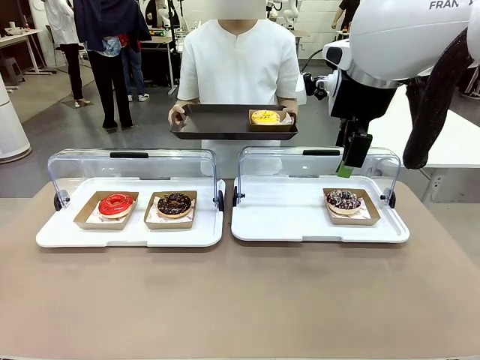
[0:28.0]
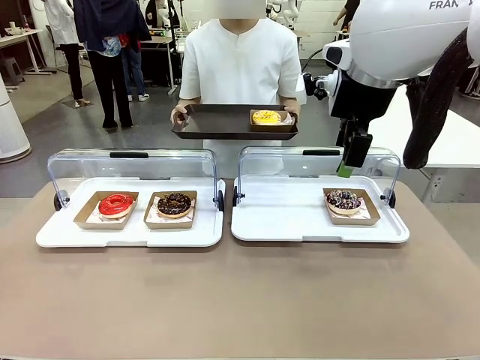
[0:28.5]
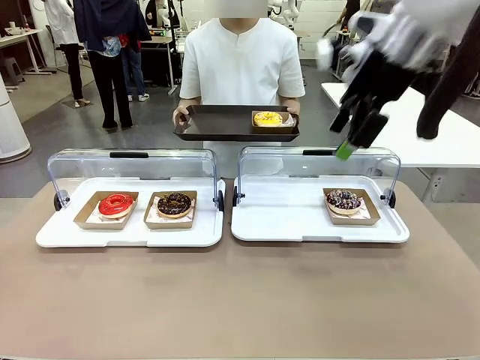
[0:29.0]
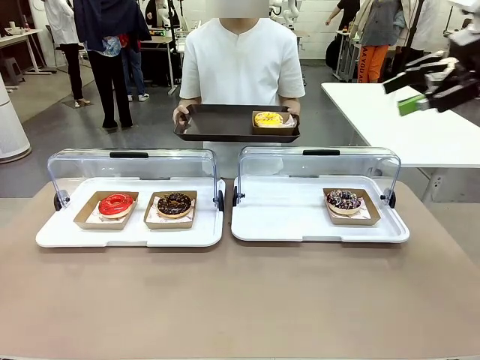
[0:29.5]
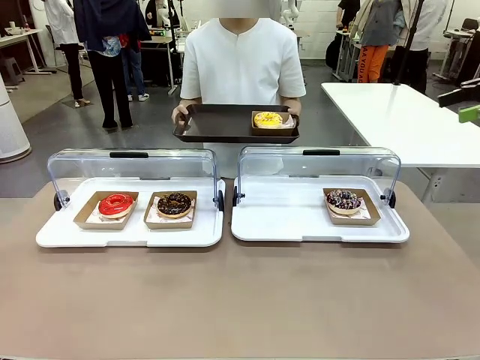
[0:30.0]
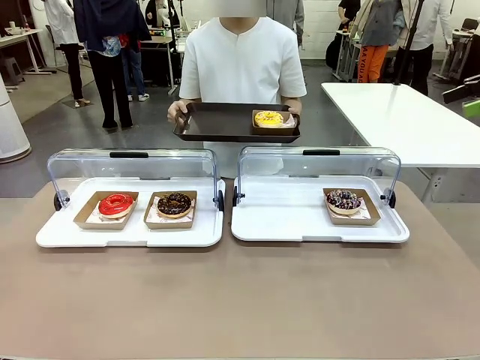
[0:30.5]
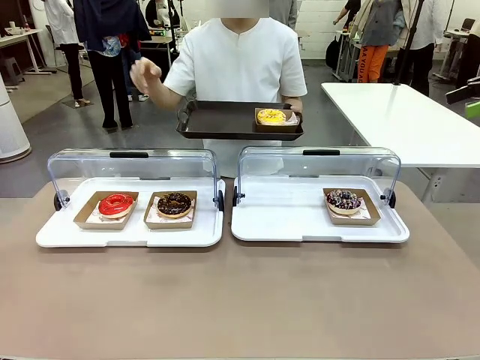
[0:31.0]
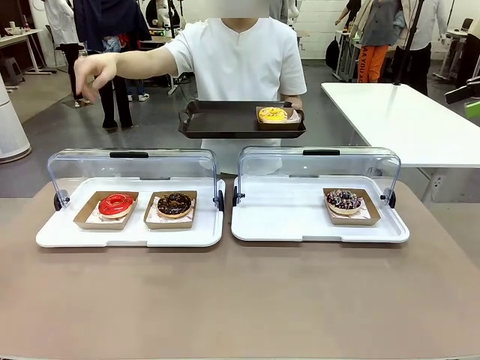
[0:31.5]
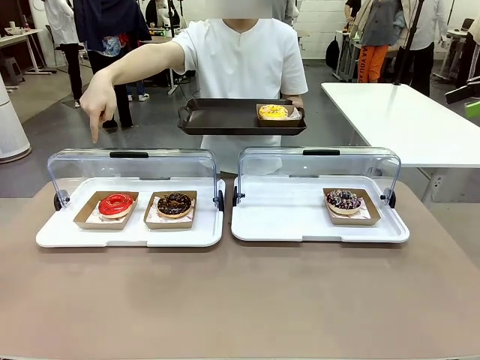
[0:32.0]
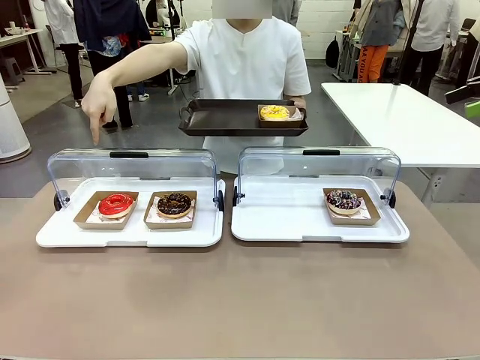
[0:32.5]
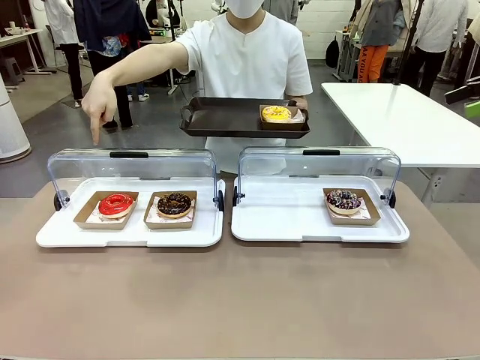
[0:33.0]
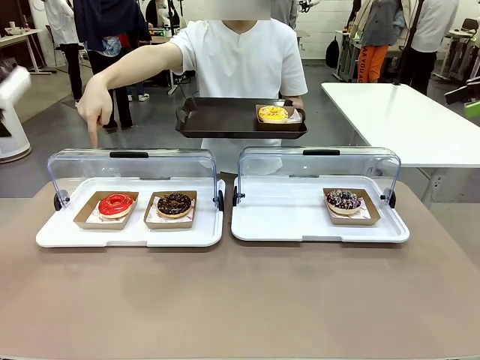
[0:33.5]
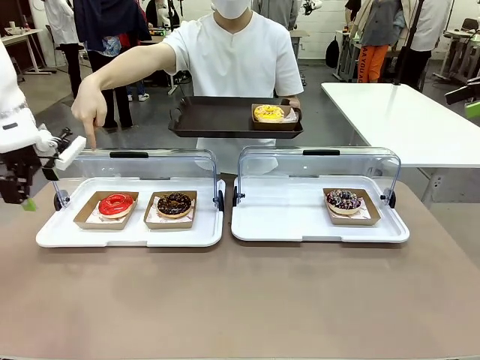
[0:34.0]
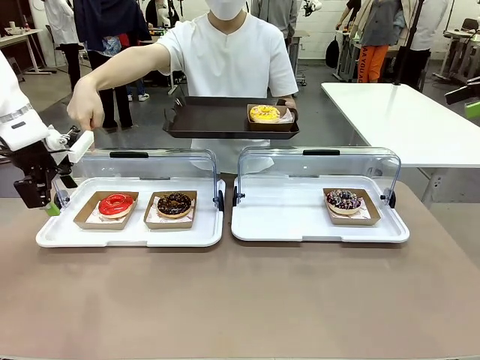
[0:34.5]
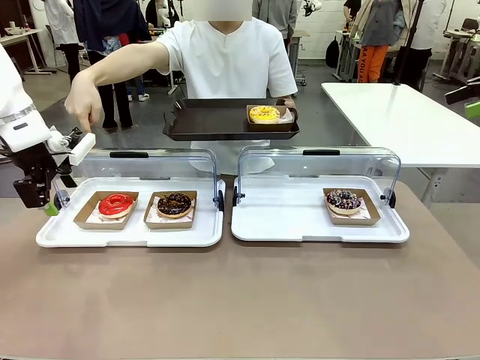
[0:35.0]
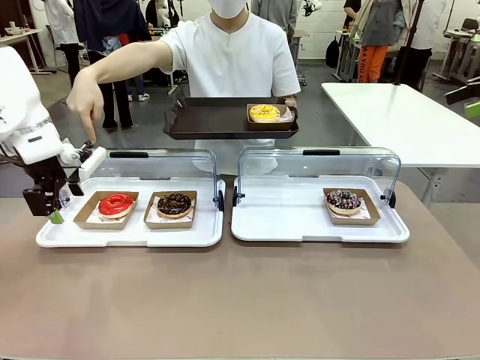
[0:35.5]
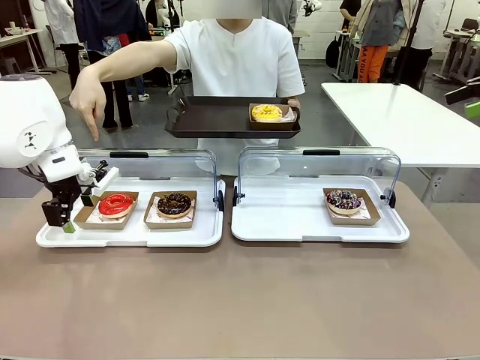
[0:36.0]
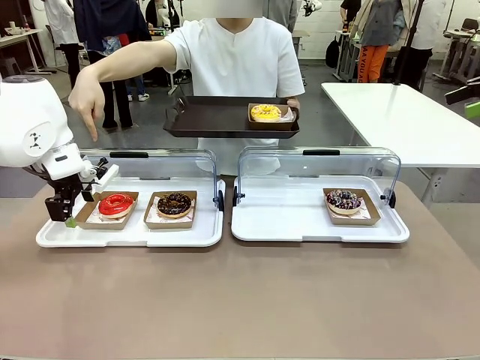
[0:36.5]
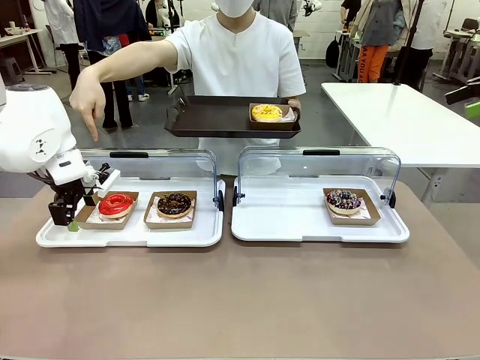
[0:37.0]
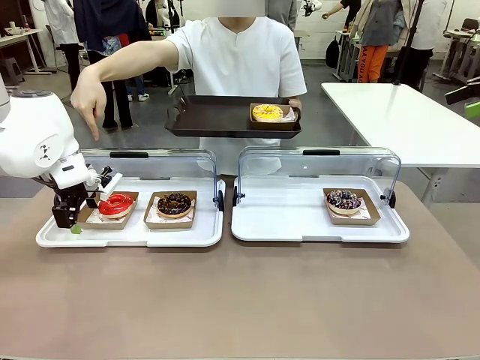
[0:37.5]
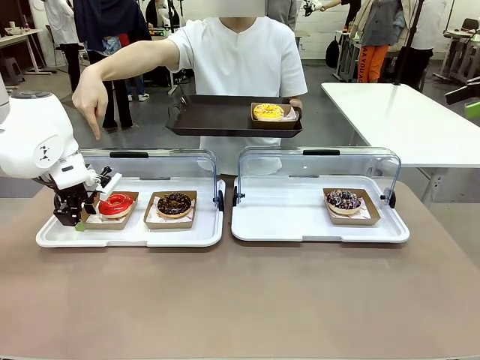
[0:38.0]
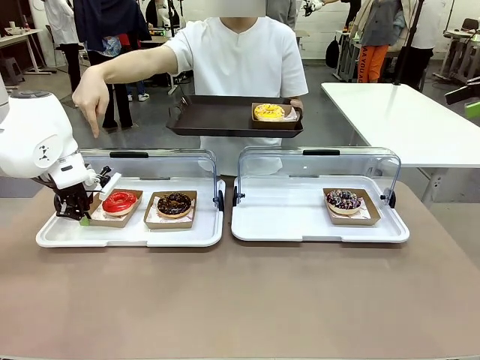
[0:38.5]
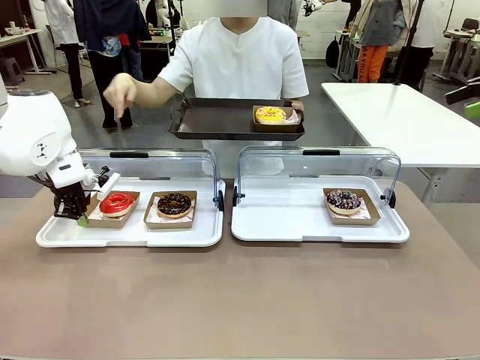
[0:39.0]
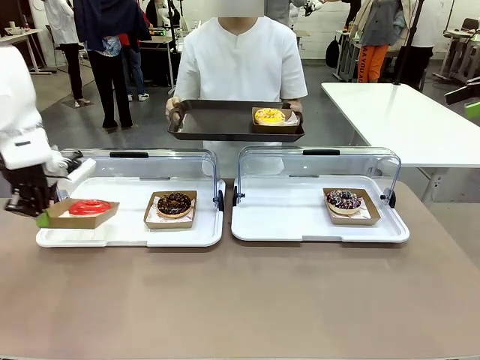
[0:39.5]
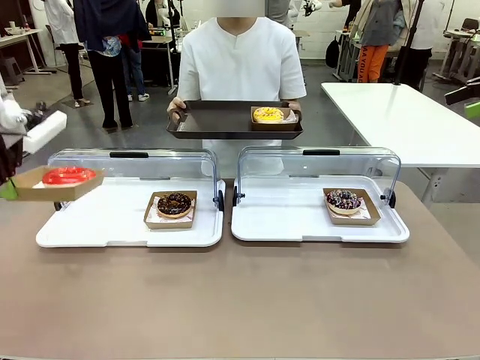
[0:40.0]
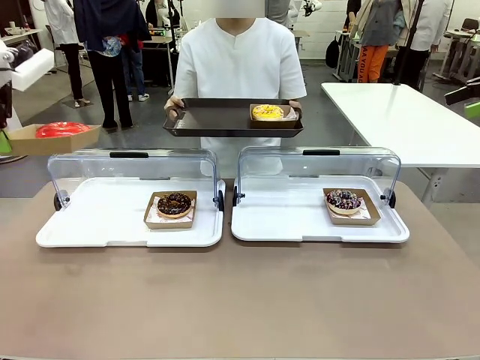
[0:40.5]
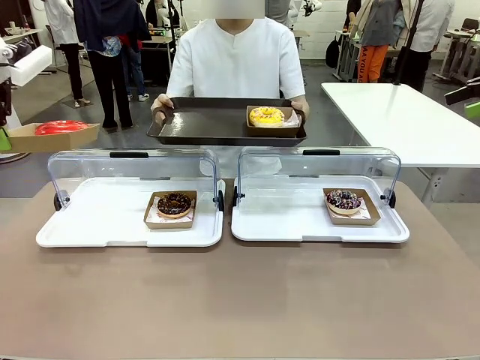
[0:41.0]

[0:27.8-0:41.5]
Task: Provide the desired donut to the person.
Robot: Pick up and lift the Paper togo box containing the Donut pointed at by the person.
Person: Point to one donut.

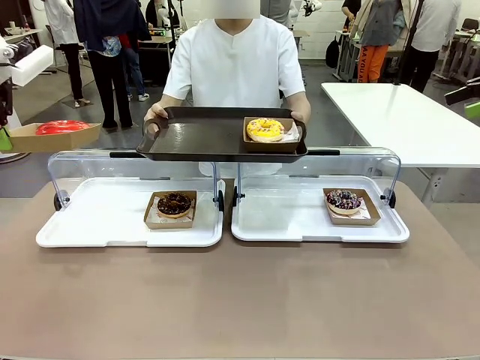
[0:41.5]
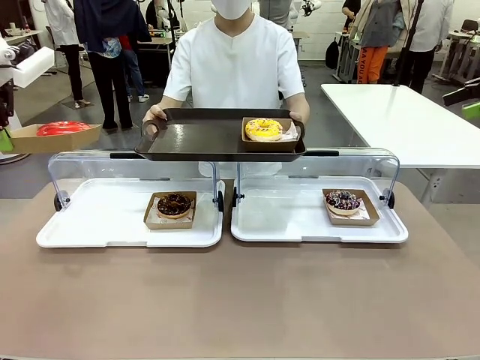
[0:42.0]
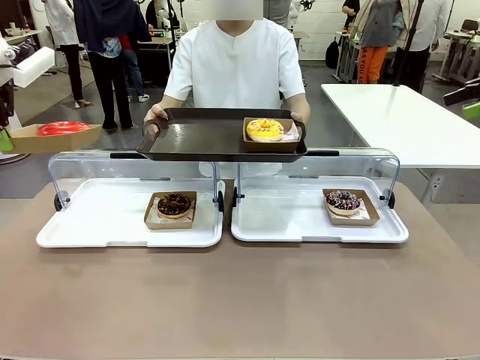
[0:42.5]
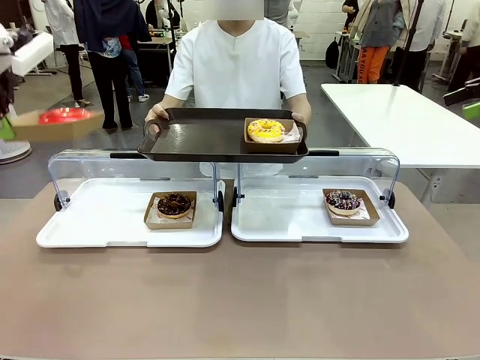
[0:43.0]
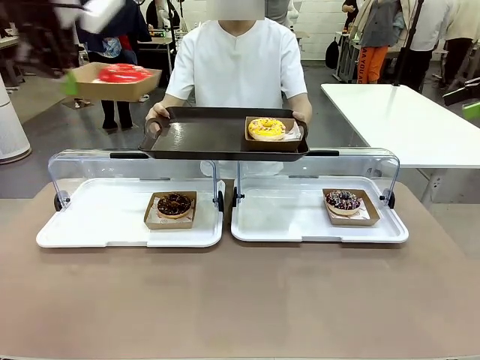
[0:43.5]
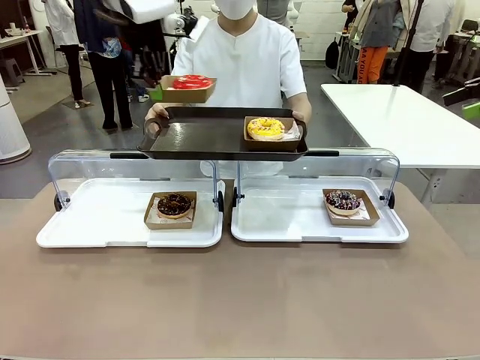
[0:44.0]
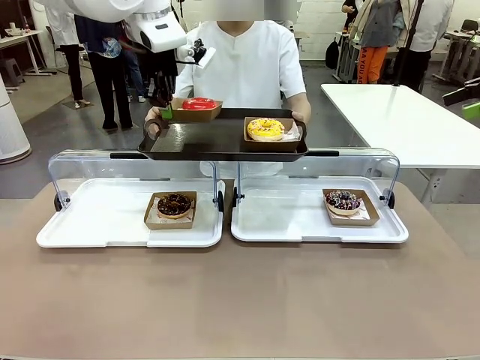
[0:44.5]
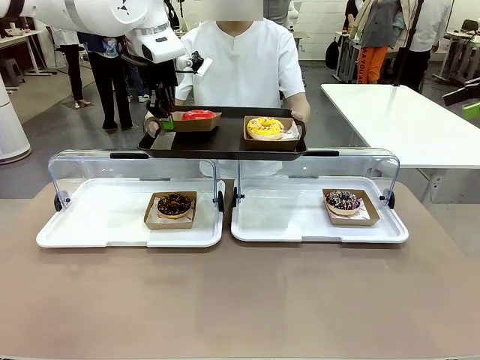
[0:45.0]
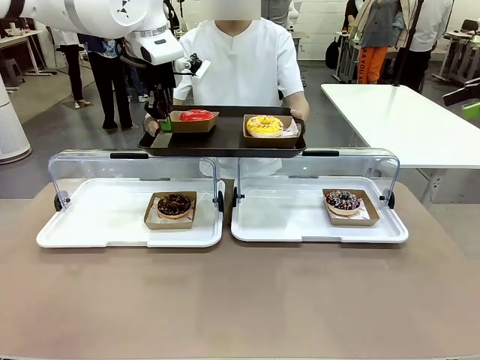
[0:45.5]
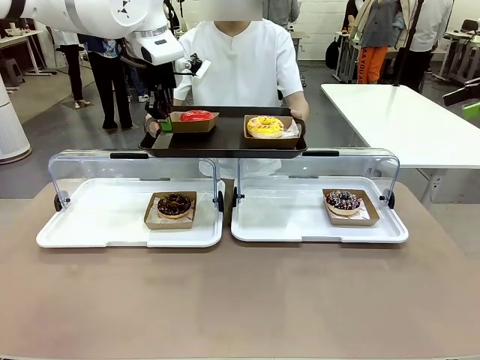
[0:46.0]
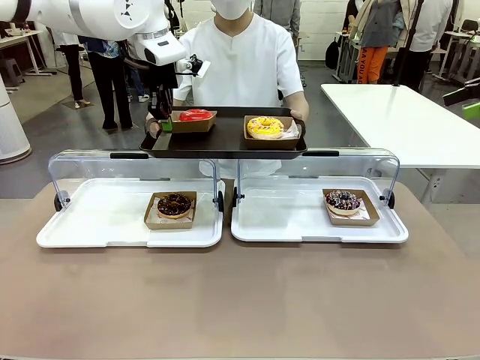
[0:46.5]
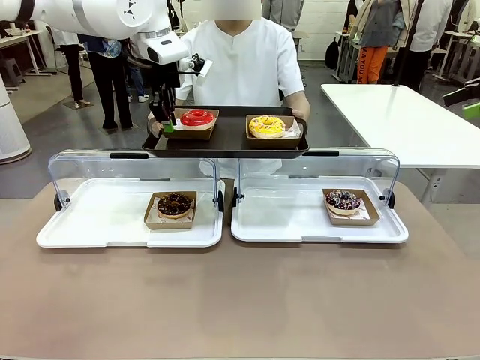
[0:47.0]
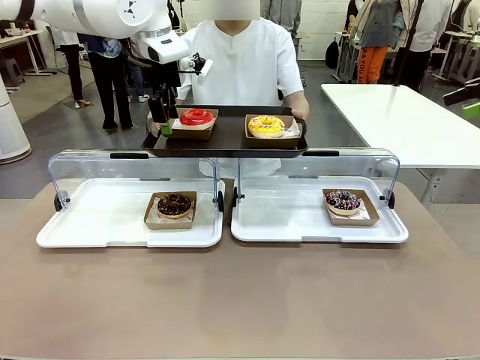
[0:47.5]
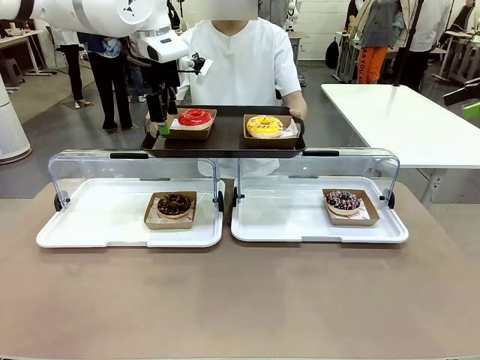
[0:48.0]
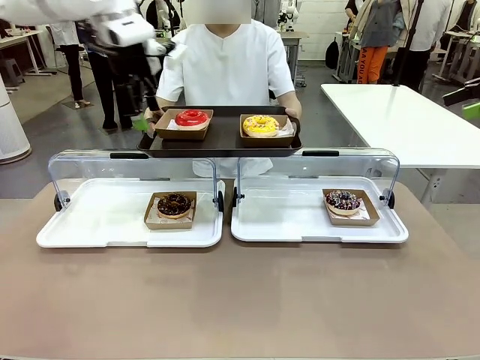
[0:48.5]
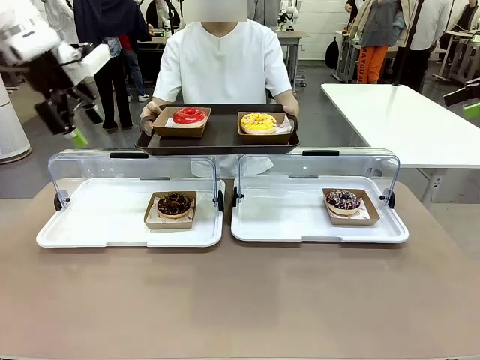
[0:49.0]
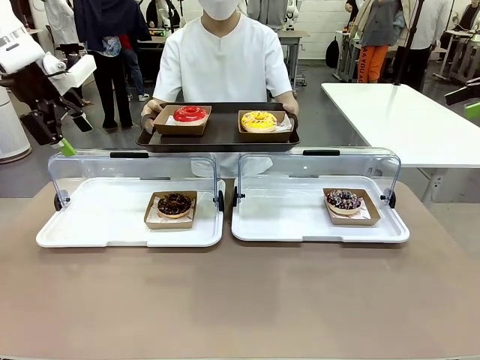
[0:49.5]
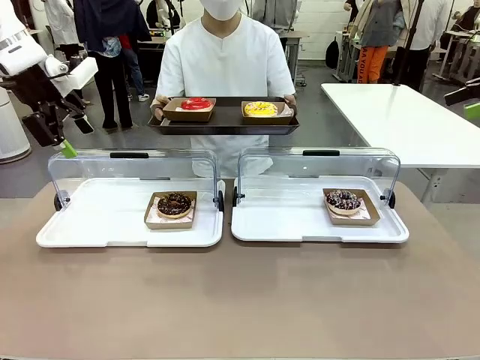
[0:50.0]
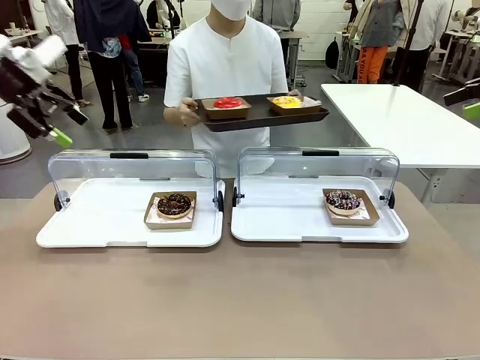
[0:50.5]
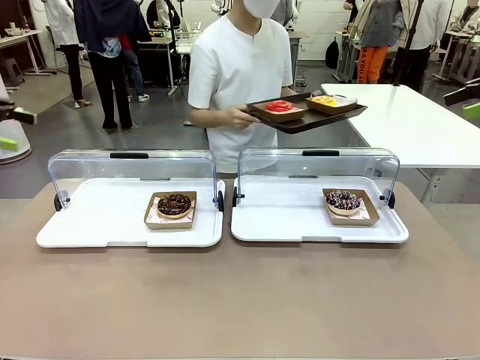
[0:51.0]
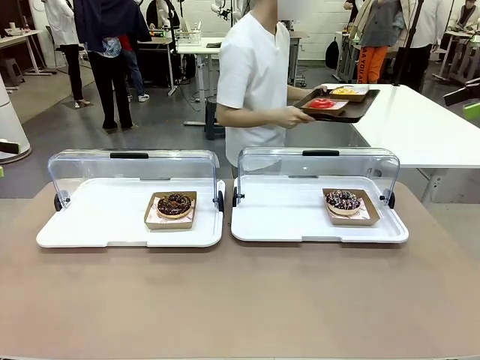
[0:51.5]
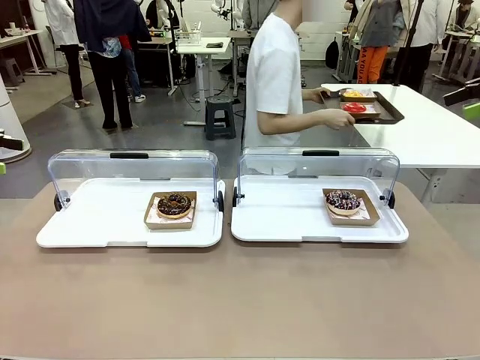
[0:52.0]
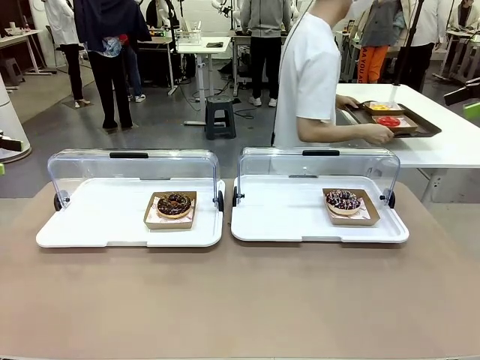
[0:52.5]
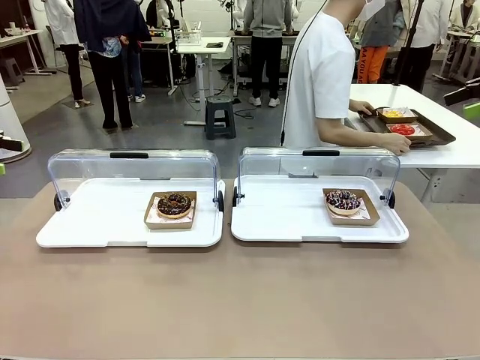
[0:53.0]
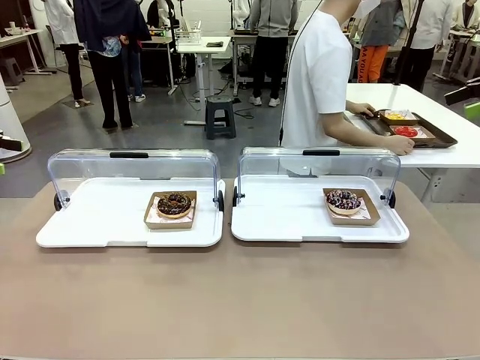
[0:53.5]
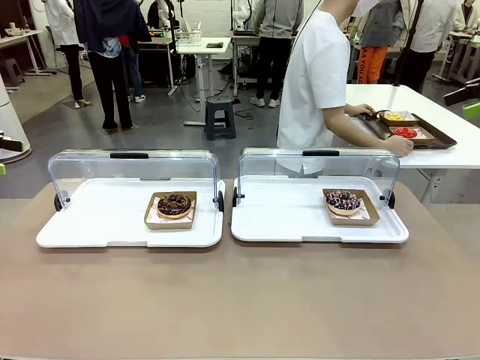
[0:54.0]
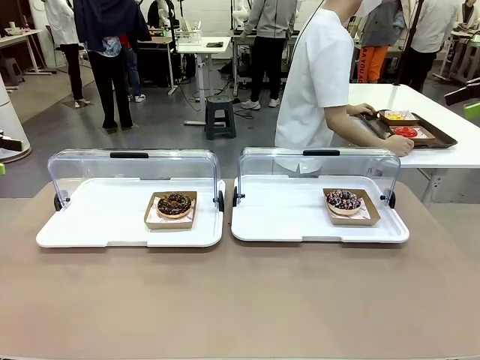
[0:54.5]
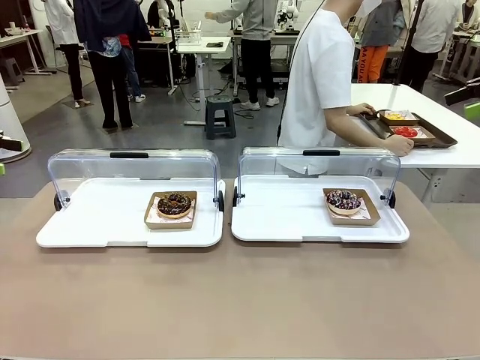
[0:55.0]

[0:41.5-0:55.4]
Robot: Place the picked Paper togo box onto the Handle tray extended by the person.
Person: Lift the tray onto the Roll-Top Bakery Case. Place the tray in the middle of the human table.
